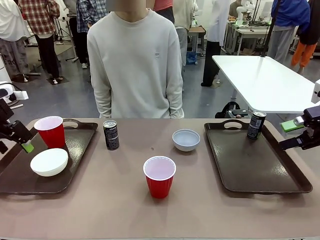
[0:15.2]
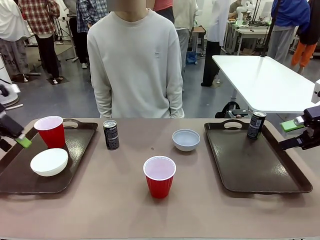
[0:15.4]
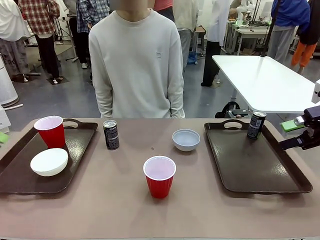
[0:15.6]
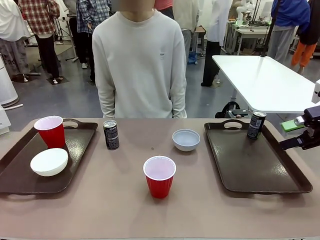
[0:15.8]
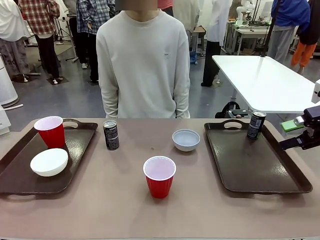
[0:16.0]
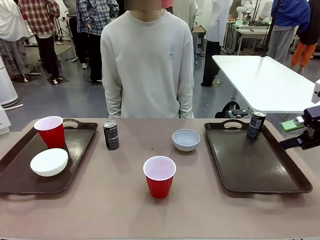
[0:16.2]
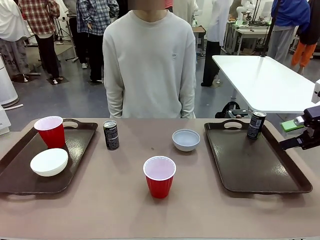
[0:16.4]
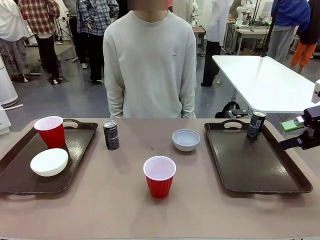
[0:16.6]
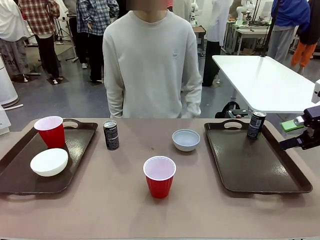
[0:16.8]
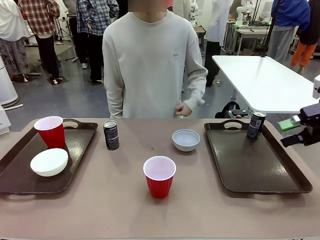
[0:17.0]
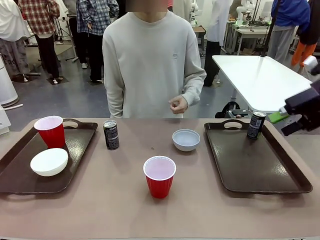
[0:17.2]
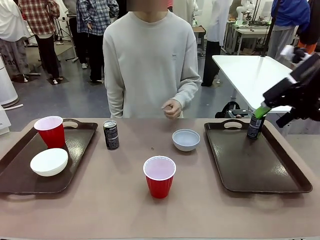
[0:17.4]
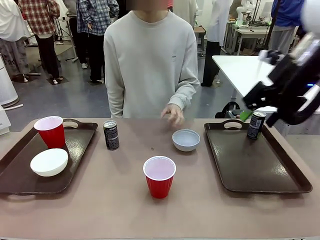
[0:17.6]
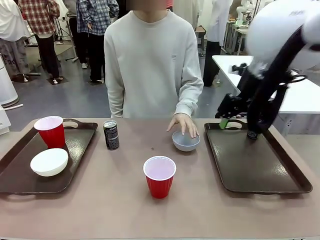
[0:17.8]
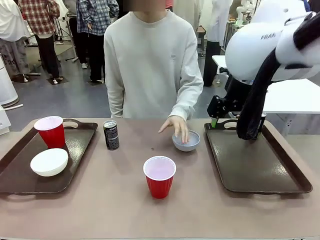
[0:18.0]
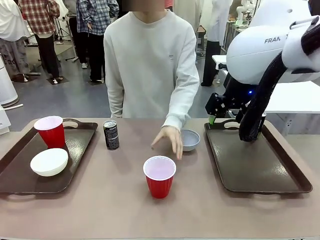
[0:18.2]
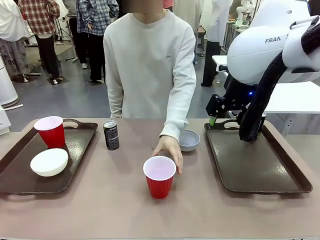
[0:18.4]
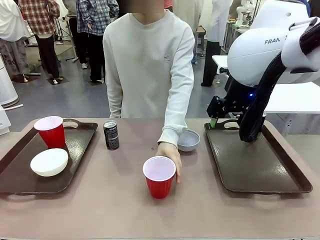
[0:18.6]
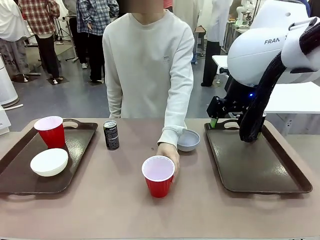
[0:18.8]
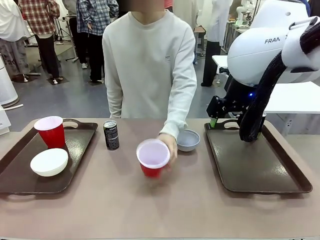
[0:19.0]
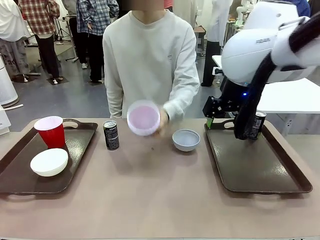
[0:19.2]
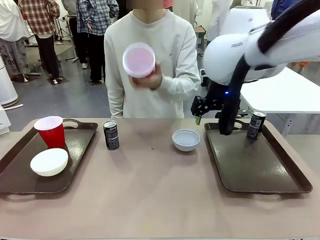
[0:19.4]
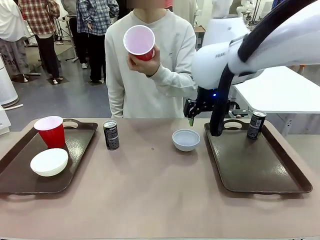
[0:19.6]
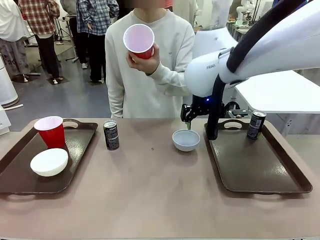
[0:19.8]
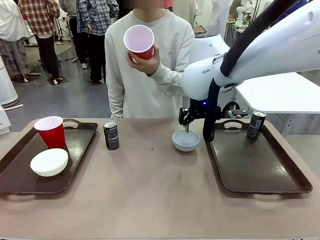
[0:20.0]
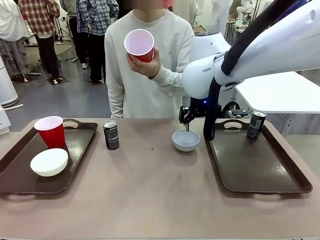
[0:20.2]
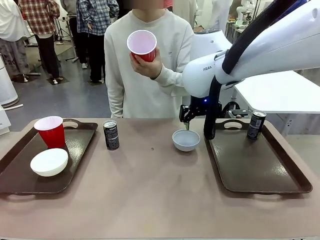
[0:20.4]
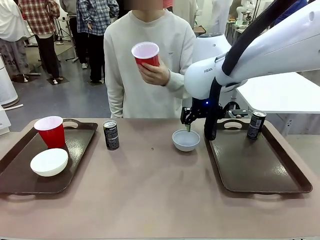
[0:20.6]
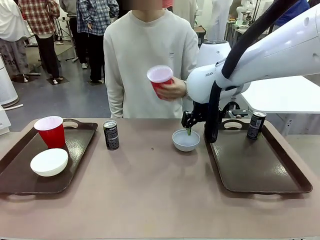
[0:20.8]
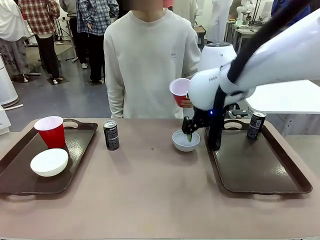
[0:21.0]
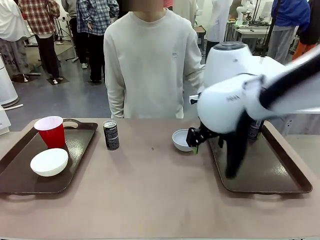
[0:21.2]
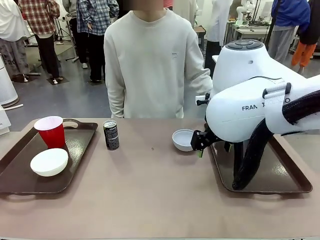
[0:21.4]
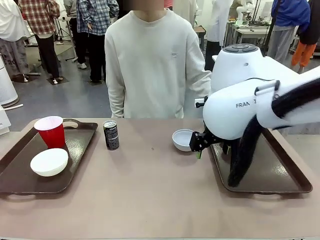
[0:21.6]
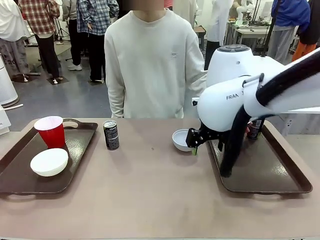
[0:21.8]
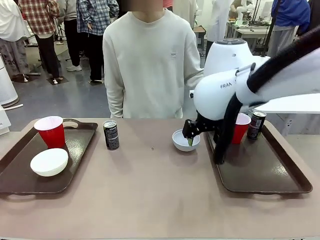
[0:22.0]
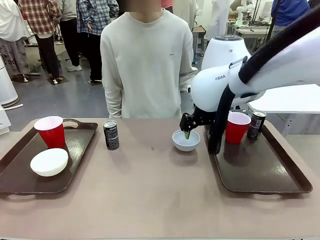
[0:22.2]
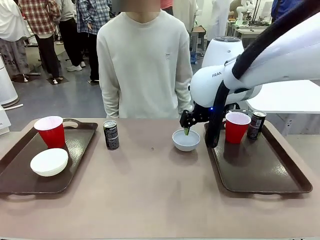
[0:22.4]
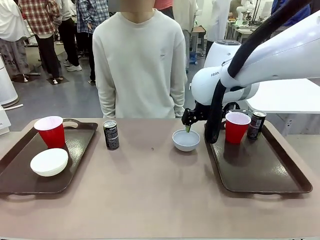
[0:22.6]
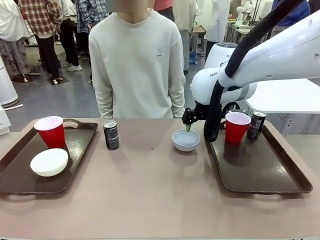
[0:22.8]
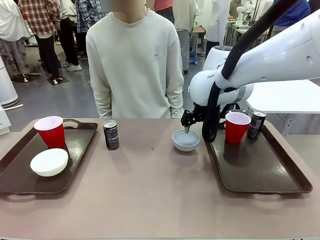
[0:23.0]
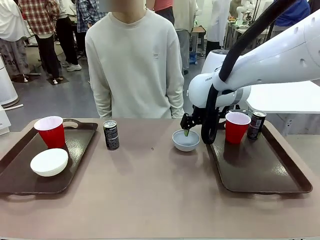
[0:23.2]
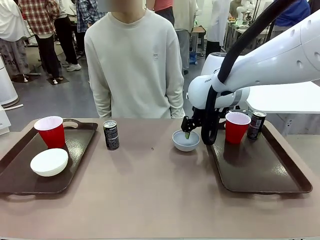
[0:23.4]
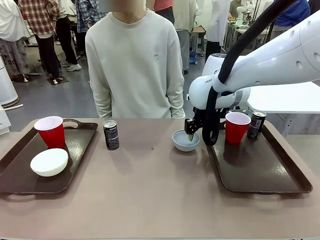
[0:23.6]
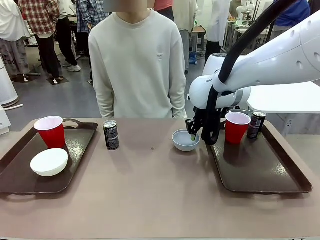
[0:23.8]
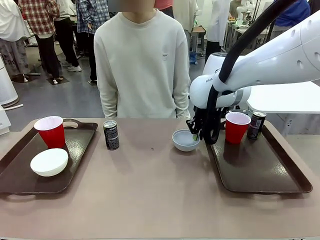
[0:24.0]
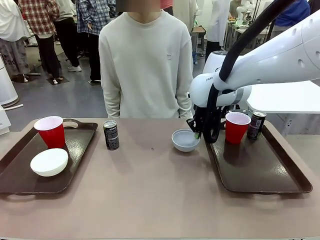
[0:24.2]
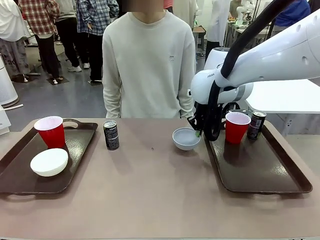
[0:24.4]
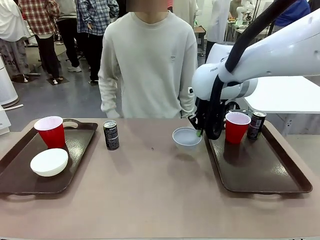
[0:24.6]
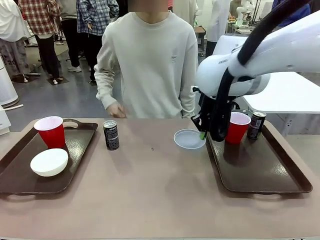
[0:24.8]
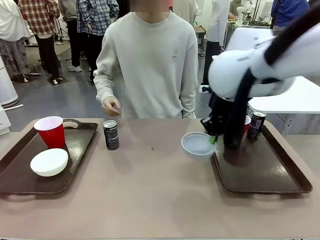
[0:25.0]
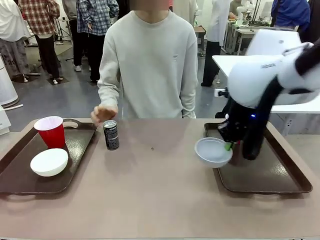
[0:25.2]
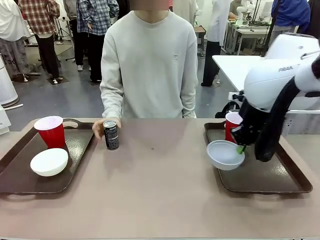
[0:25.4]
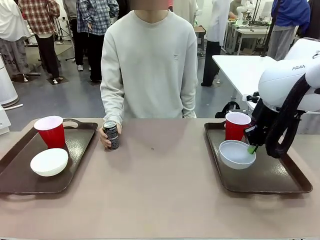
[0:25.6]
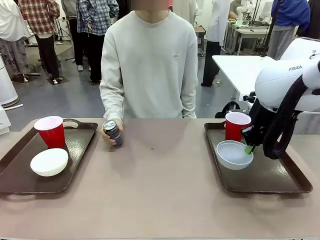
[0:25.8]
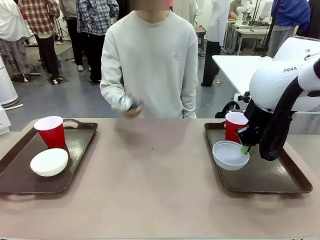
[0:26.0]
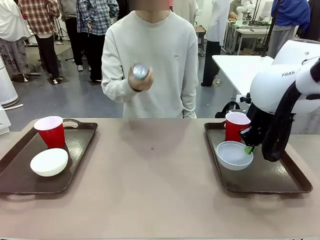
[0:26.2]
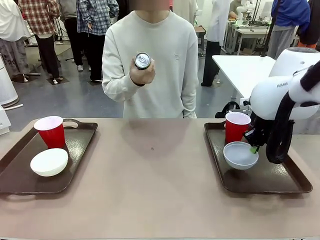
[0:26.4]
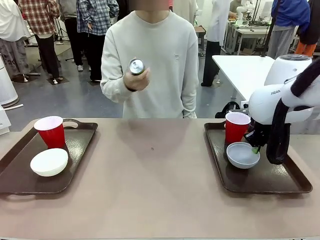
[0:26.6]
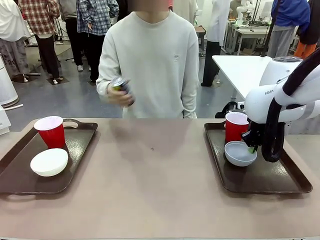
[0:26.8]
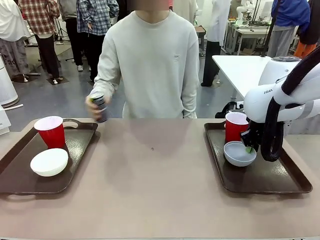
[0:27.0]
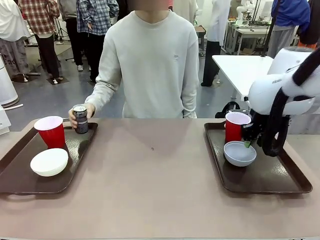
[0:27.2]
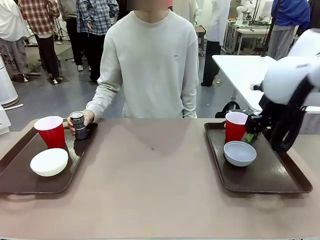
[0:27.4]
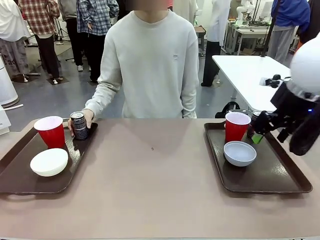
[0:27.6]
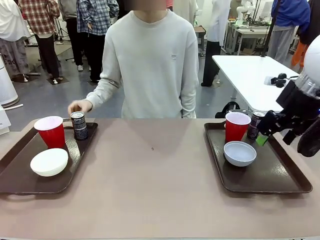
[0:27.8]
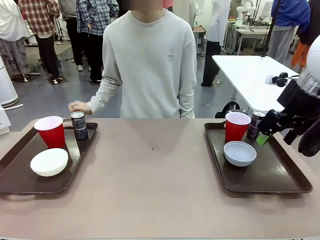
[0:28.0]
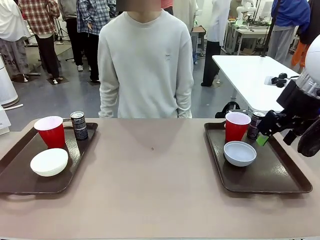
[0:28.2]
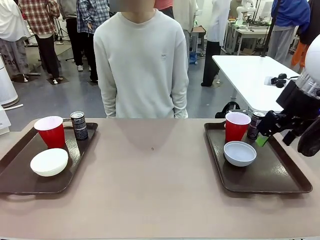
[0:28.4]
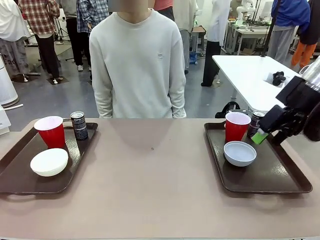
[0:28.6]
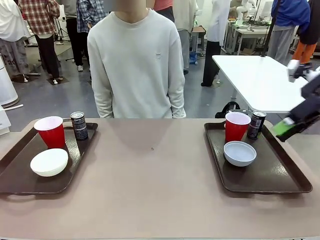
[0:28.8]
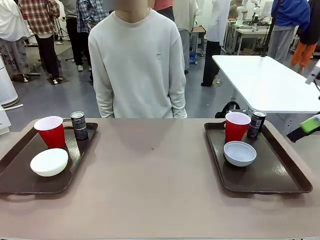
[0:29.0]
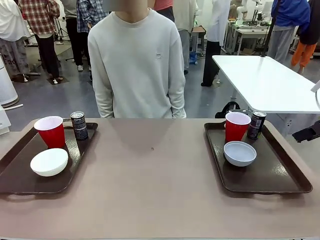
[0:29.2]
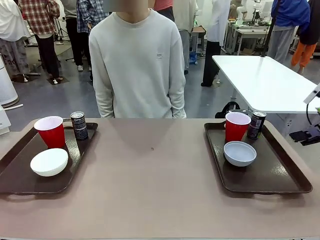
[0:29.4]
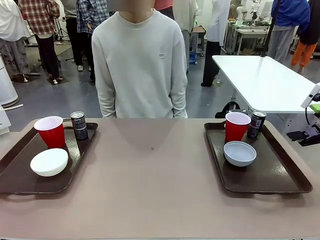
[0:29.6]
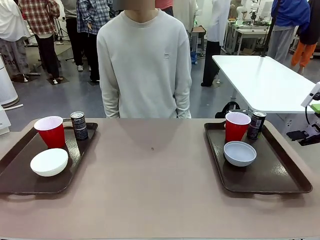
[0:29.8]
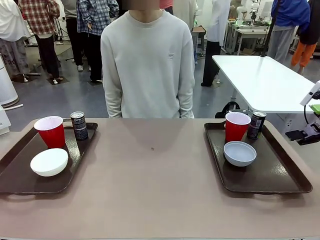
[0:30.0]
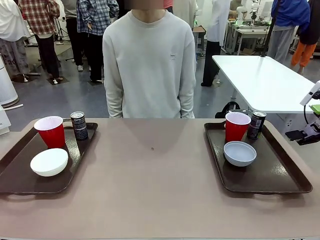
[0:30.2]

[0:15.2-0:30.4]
Task: Prepare tableware on both trays.
Robot: Pick up a Picnic Bowl from the table and place it on a Handle tray.
Person: Pick up a can or cup and place it on the tray without a can or cup.
